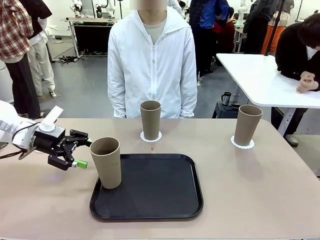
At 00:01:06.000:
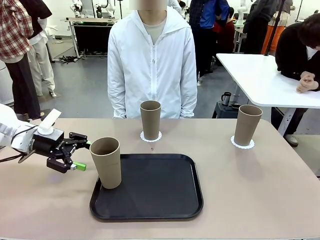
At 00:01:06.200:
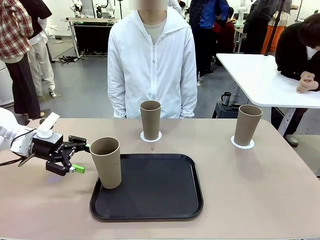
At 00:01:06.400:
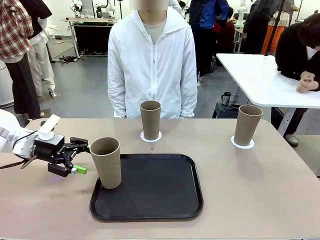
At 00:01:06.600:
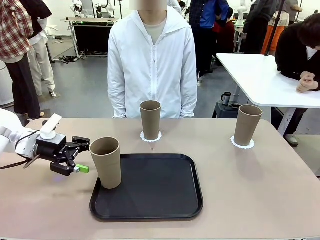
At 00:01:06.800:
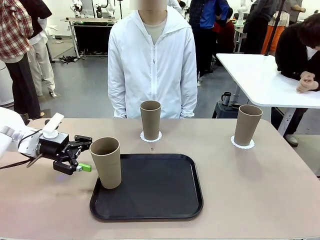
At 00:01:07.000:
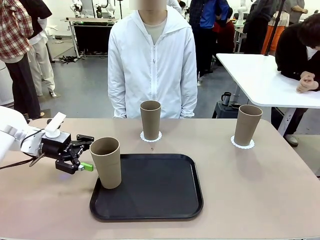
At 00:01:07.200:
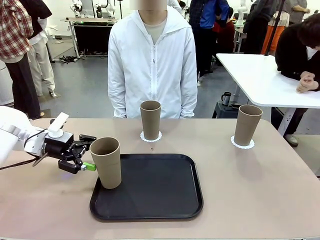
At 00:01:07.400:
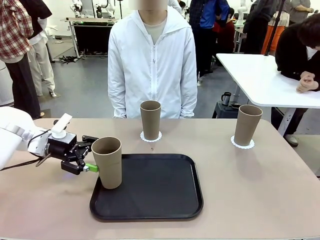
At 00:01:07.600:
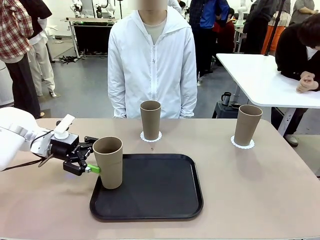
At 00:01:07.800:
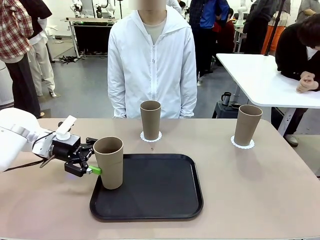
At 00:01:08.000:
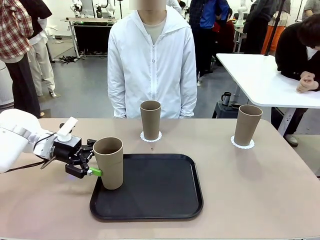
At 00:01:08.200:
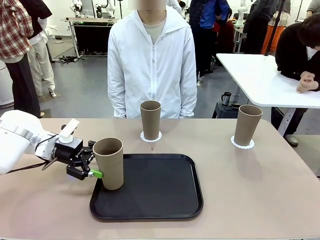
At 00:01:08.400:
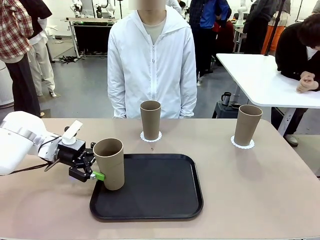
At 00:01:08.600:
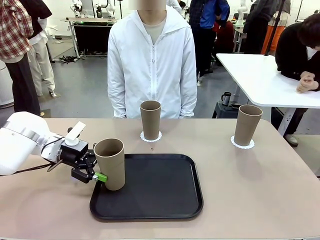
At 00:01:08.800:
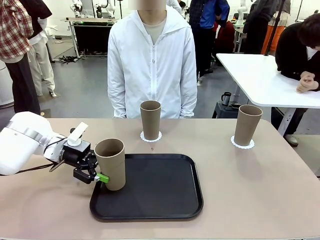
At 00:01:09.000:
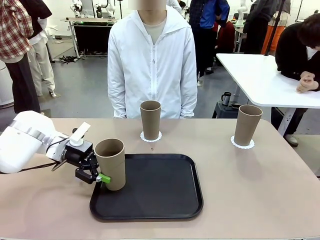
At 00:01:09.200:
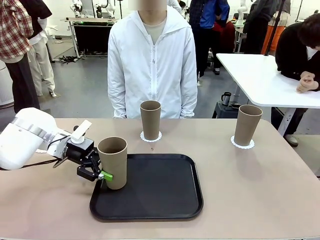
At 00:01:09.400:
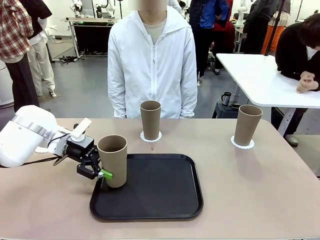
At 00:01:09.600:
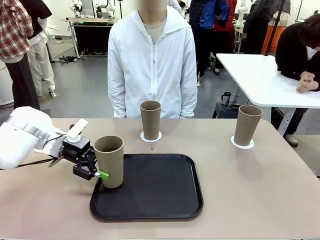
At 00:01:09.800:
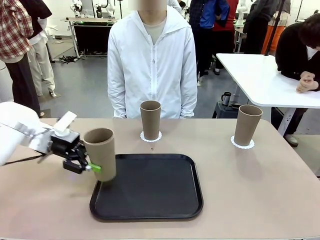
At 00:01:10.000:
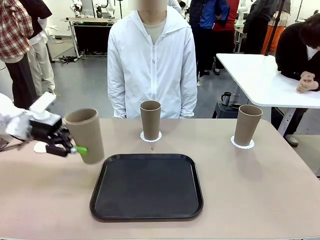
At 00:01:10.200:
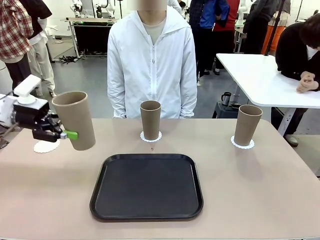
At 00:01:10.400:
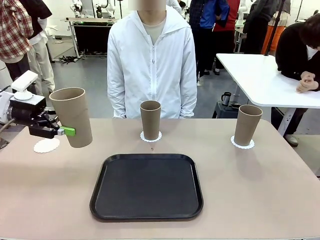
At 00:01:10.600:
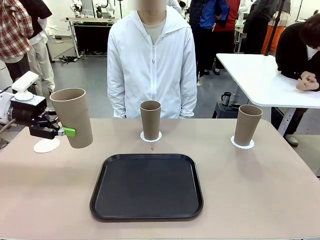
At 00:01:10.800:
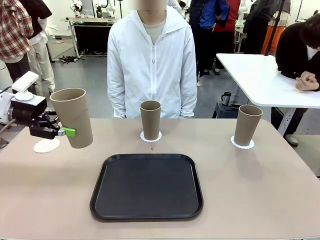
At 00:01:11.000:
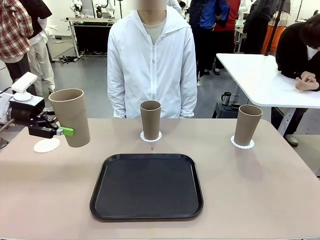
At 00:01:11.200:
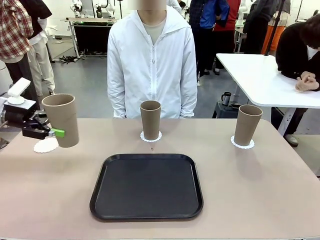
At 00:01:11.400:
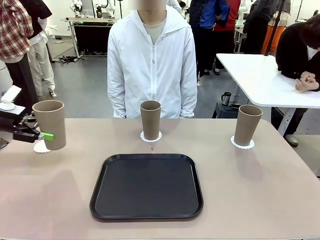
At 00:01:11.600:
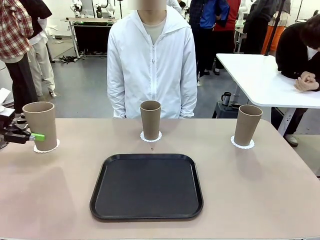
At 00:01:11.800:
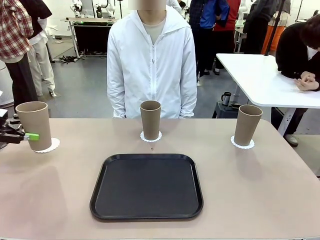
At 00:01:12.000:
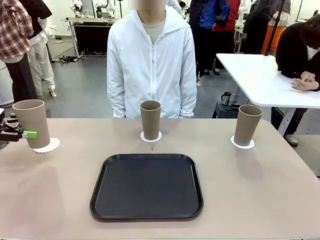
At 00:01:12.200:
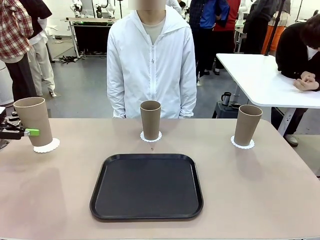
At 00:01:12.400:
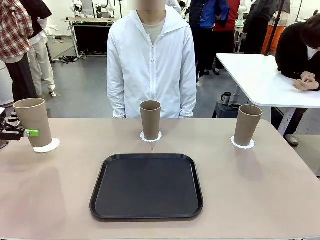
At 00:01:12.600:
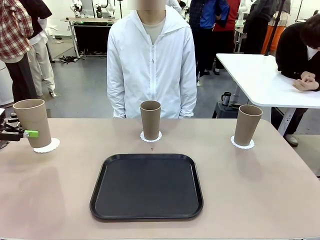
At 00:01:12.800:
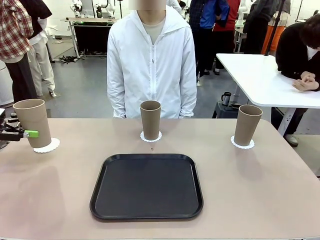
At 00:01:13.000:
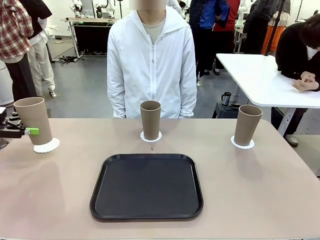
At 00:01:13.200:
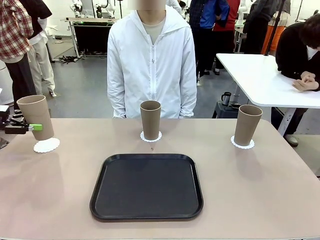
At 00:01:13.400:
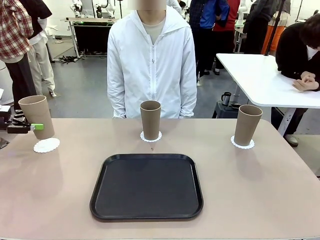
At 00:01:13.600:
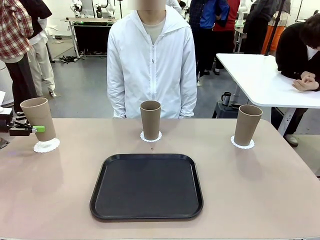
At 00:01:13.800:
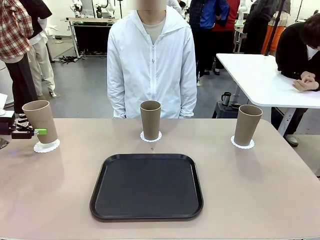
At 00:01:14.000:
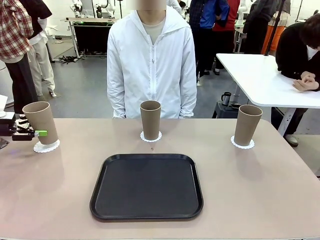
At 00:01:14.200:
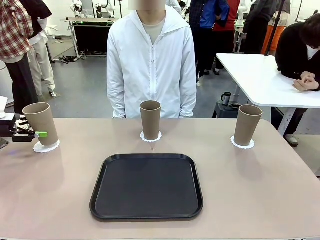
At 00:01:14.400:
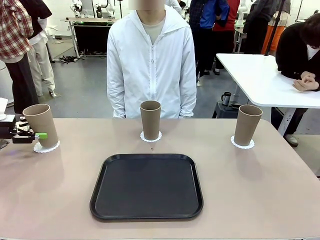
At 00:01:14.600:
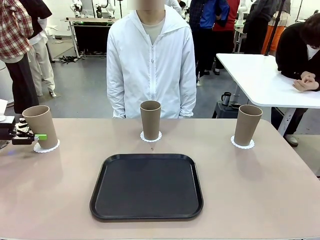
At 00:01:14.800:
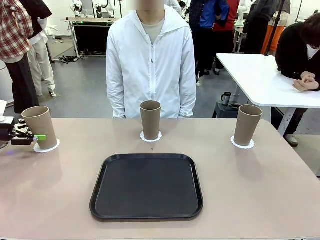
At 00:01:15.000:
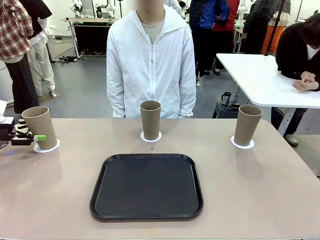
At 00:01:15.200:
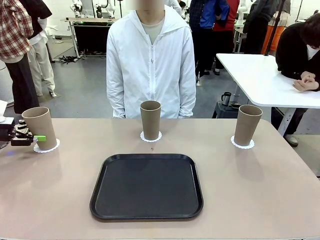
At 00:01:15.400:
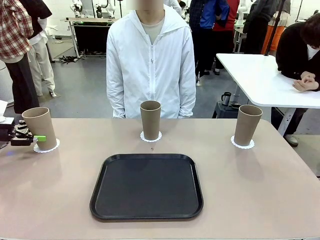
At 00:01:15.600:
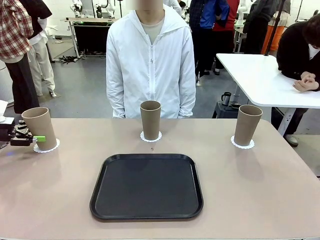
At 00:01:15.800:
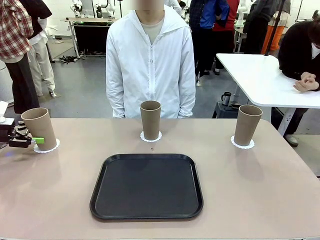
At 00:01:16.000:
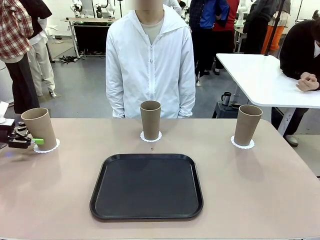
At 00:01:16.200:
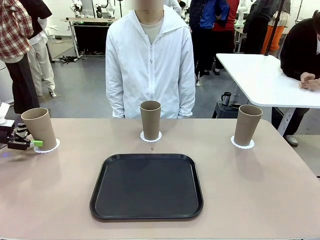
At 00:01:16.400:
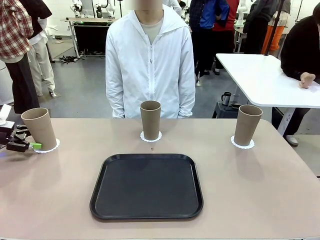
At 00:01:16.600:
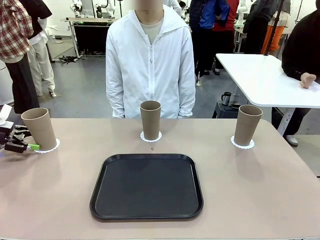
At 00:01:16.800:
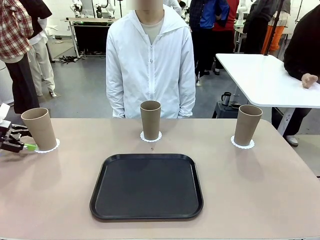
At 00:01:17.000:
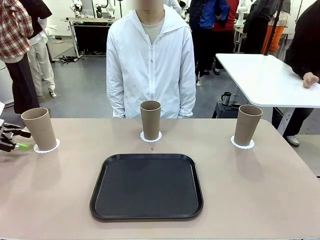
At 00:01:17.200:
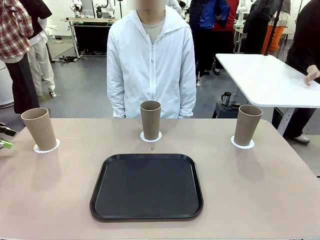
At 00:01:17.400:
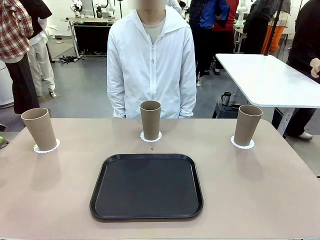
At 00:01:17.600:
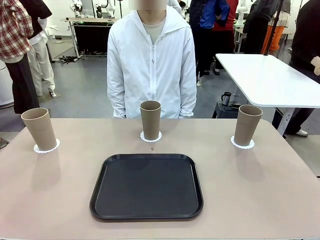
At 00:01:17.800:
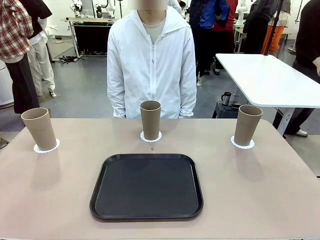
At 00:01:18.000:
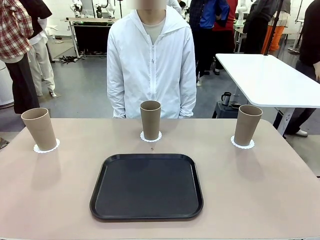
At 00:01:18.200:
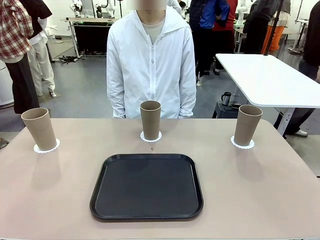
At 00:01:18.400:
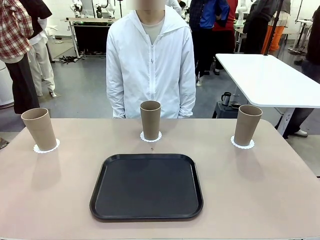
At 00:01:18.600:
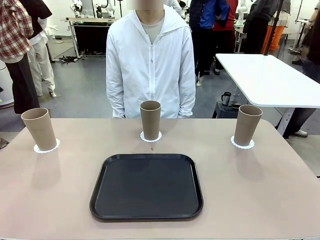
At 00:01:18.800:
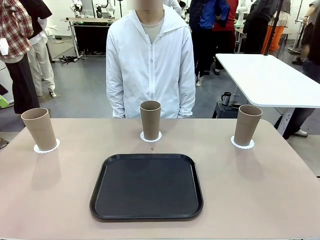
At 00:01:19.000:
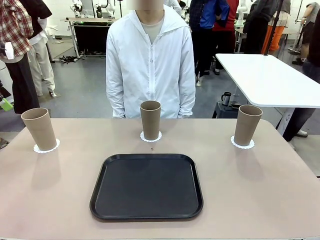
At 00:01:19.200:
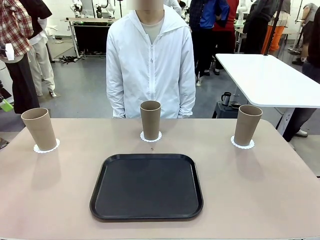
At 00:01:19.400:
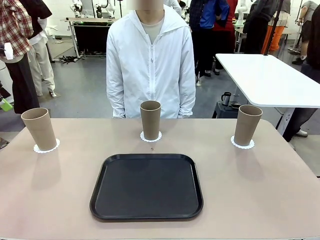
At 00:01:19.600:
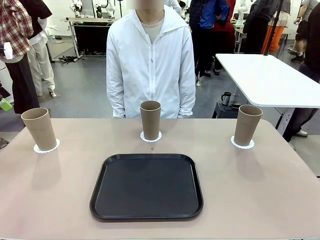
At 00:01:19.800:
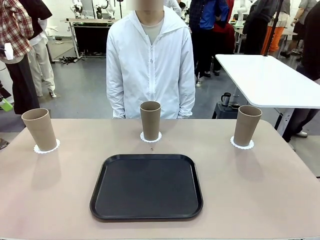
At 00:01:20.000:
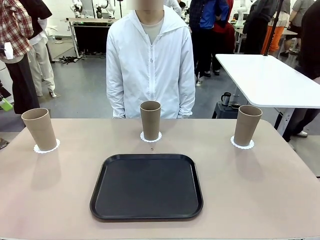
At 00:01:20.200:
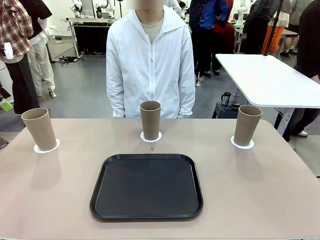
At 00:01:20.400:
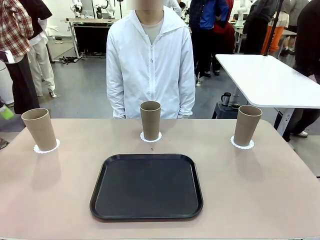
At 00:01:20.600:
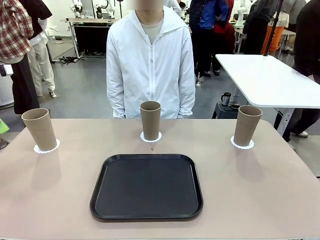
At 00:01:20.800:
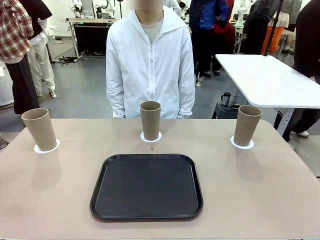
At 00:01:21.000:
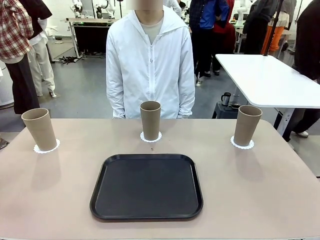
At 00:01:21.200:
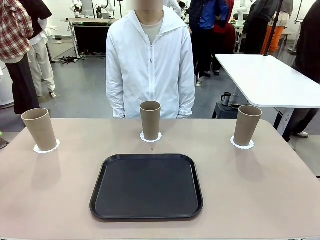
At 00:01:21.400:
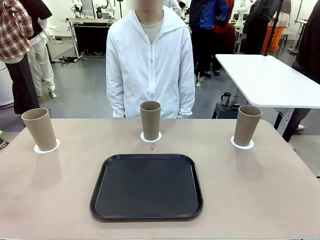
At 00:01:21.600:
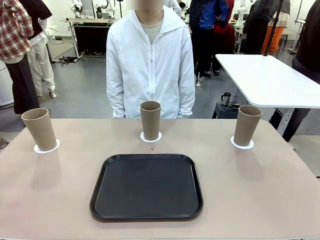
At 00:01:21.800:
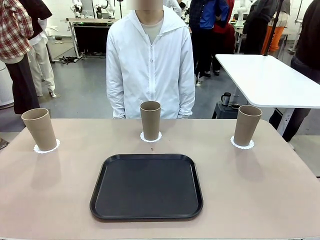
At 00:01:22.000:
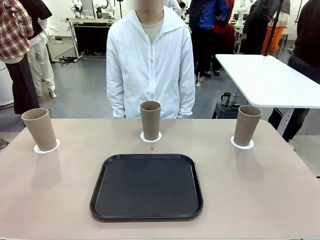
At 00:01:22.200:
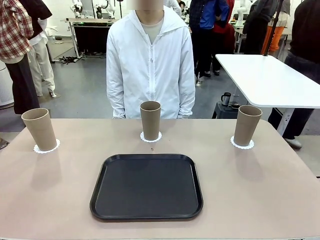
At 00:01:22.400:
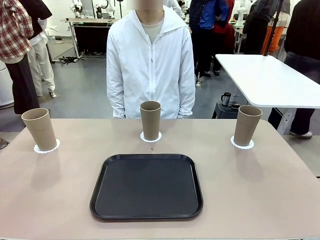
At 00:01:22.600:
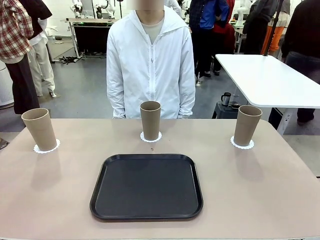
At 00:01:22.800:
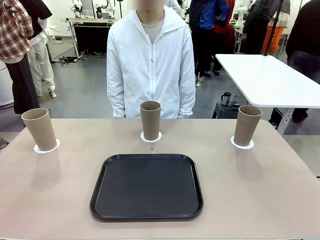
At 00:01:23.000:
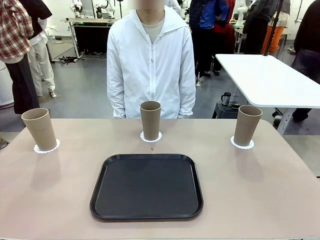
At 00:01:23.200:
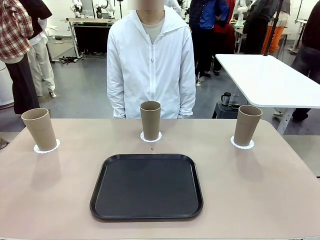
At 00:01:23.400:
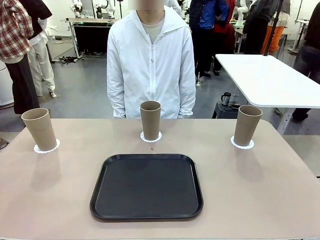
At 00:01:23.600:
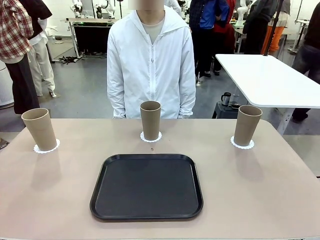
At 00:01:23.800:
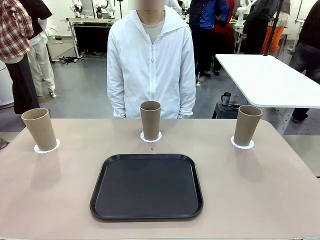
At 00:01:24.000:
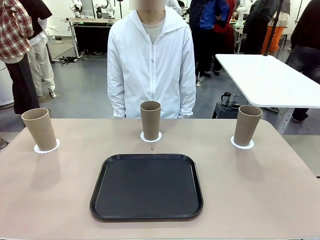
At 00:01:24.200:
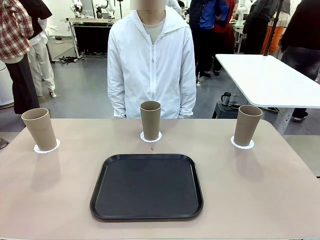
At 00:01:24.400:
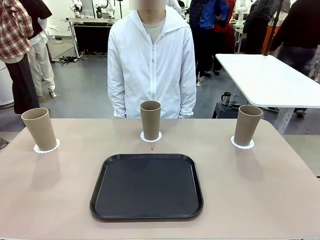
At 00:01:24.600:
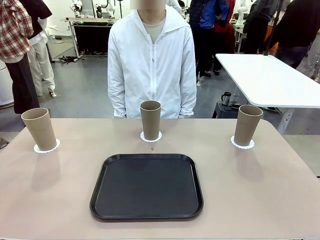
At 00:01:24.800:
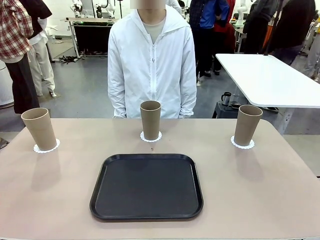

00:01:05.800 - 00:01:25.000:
Task: Place coasters on the table and set cups on them.
Robot: Take one Reusable plastic cup from the Flat Tray and place it on a coaster set by the human.
